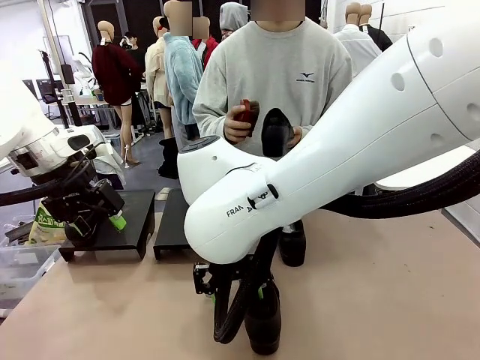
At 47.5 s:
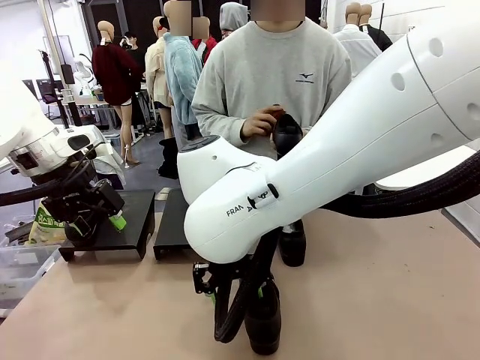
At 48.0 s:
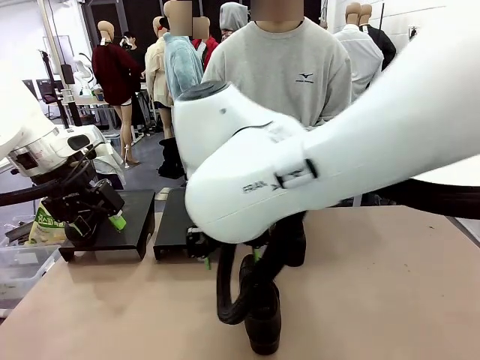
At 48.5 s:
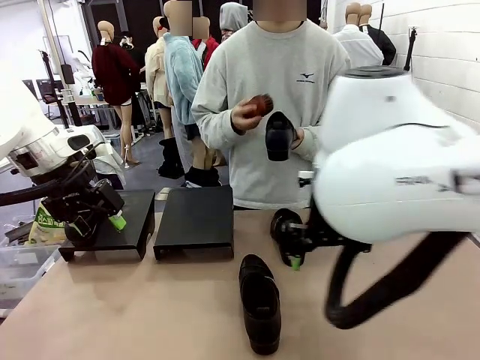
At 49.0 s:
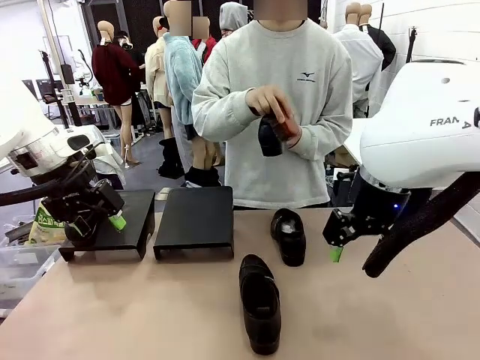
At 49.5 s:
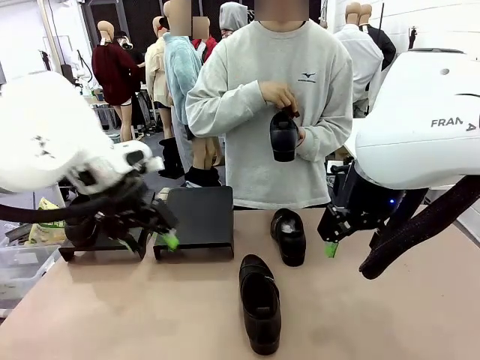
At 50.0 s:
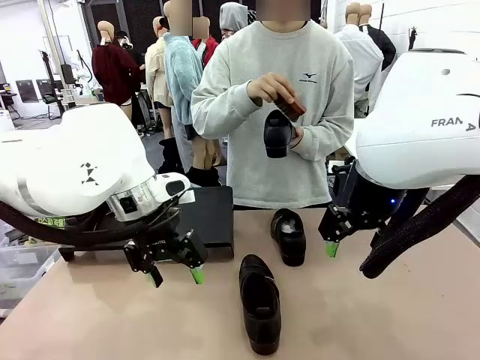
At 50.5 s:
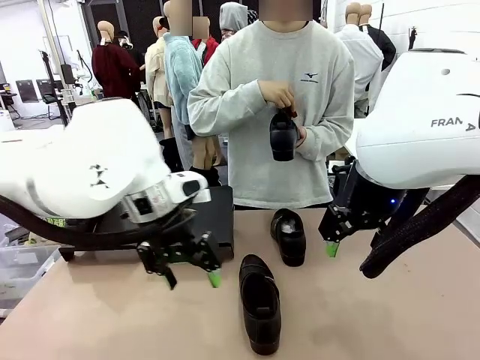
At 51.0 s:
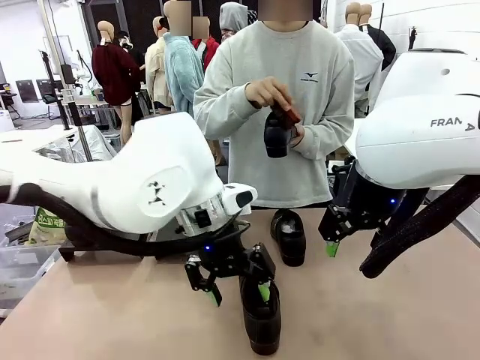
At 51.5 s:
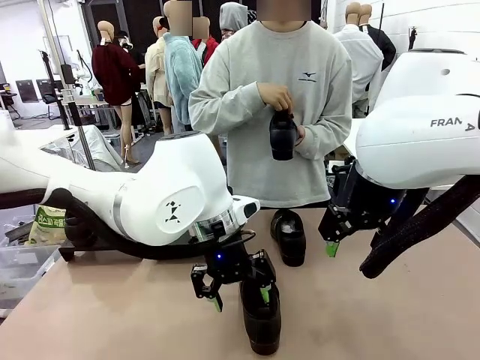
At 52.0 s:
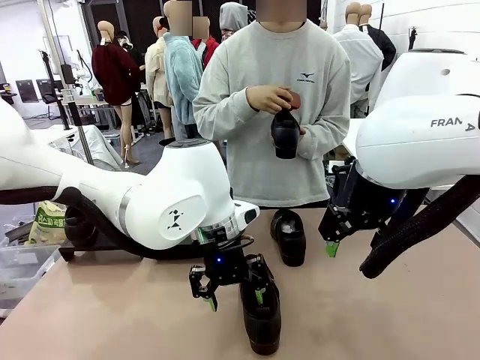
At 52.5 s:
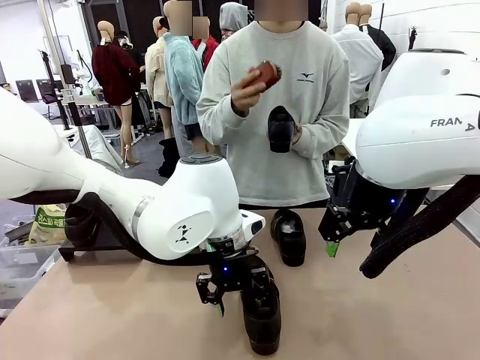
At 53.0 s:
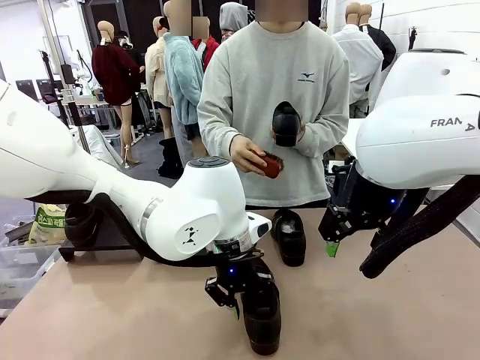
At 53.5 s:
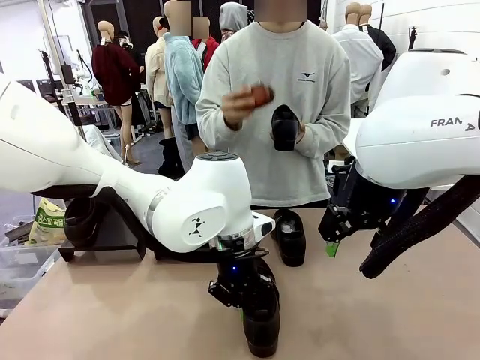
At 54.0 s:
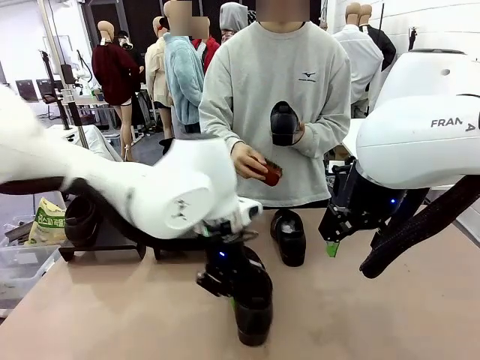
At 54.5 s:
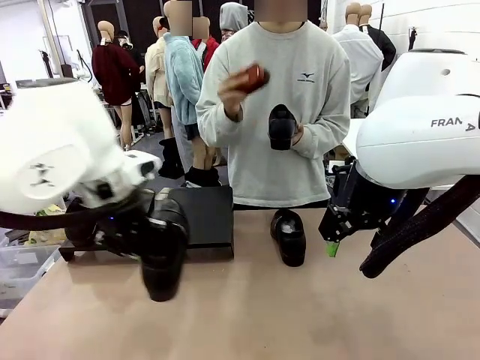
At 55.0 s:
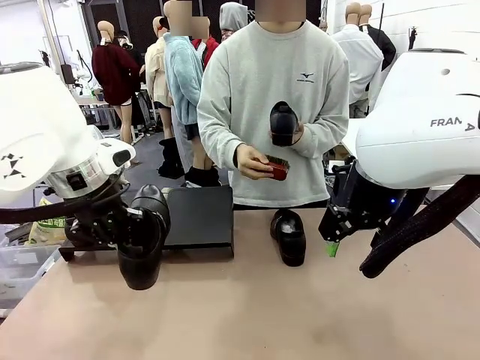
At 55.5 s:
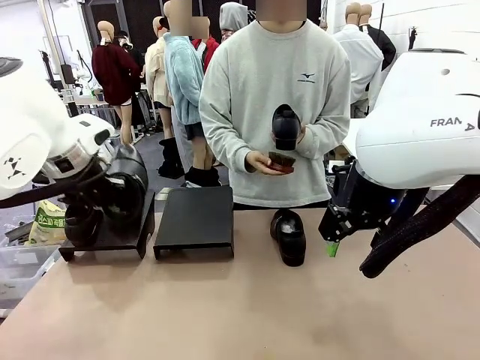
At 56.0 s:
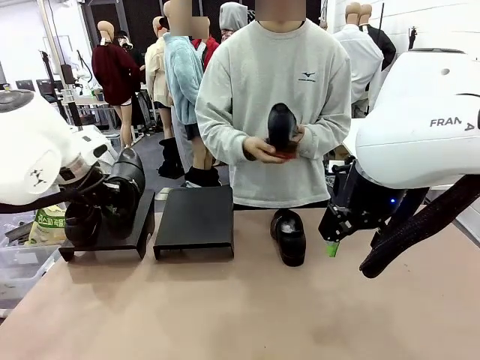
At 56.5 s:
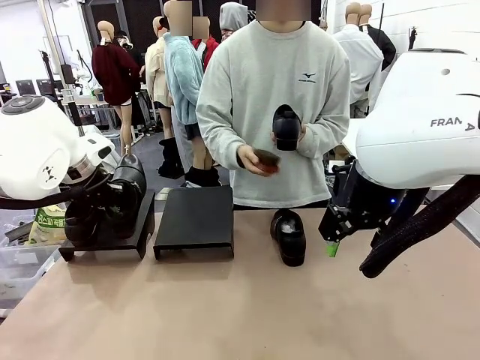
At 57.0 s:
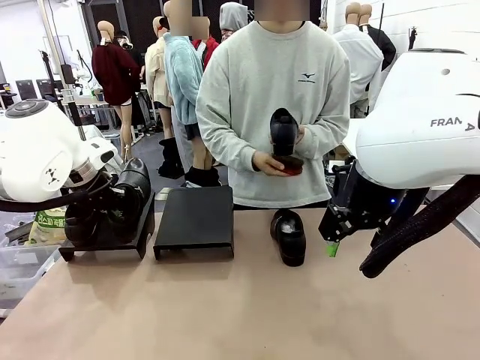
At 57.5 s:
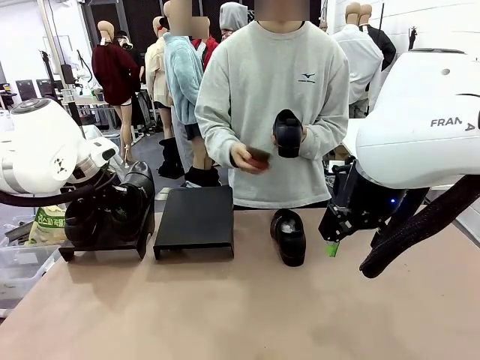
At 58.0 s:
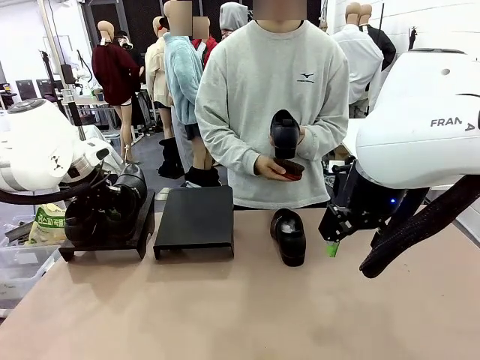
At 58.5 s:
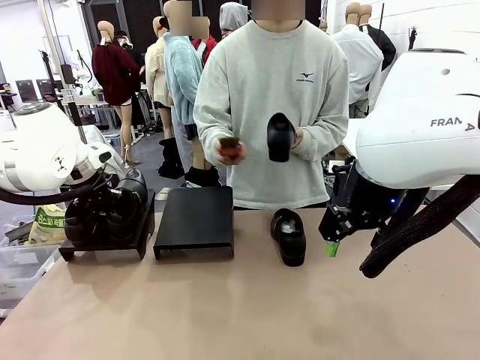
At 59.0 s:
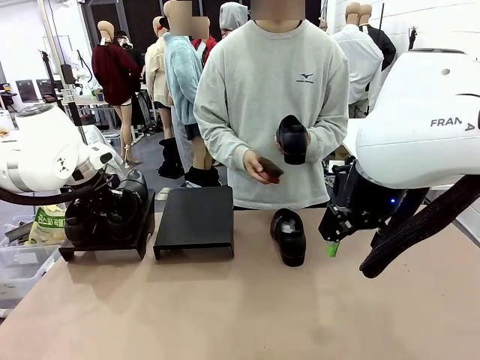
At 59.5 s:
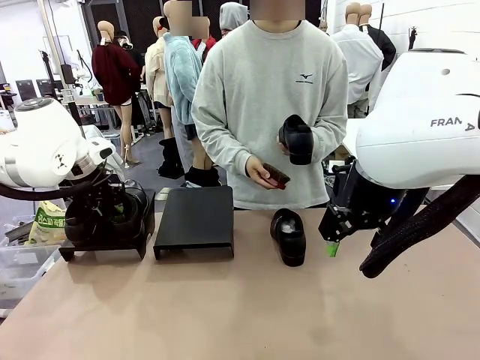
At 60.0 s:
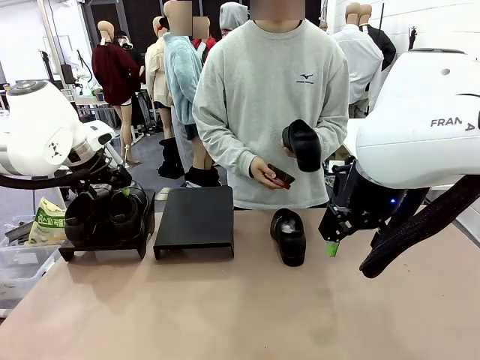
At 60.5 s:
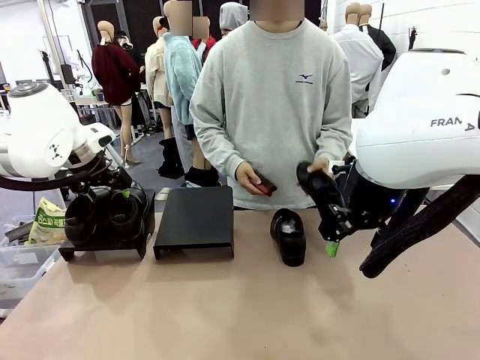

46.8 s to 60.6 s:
Task: Organize the shoes by placing them on the stand.
Robot: Place the Shoe from the middle of the table onto the Shoes Stand.
Person: Clean the Shoe with the Shoe Brush.

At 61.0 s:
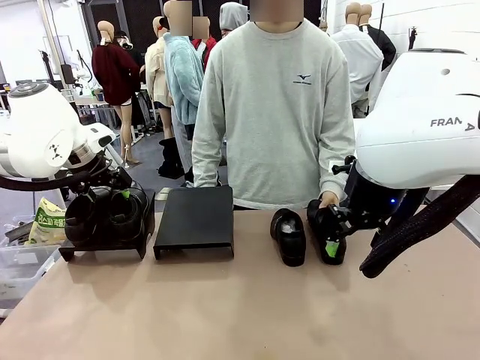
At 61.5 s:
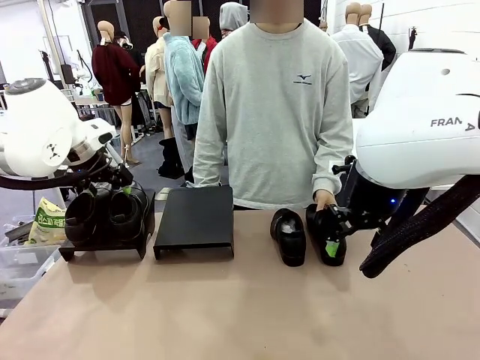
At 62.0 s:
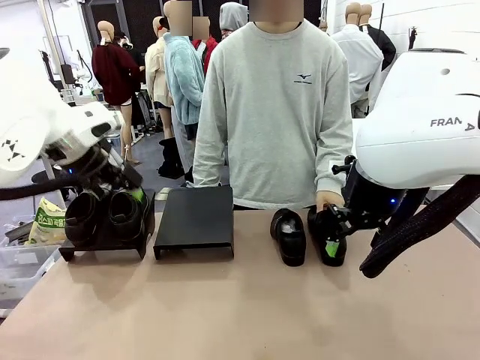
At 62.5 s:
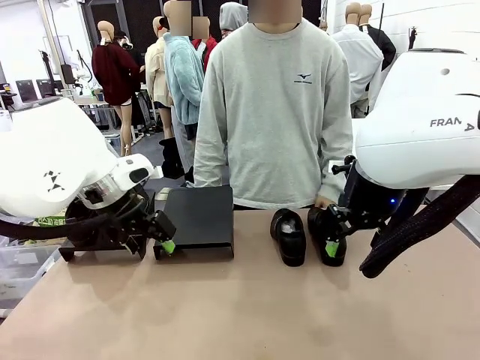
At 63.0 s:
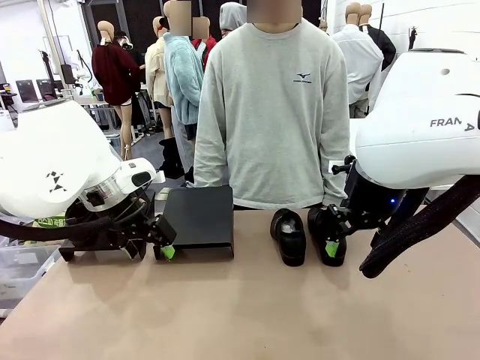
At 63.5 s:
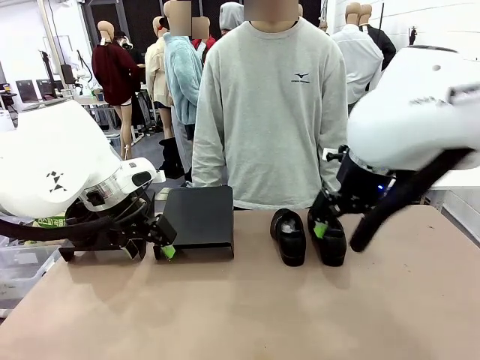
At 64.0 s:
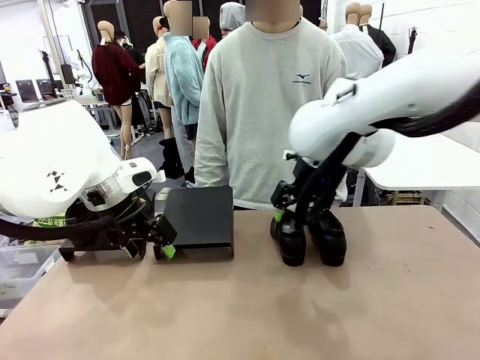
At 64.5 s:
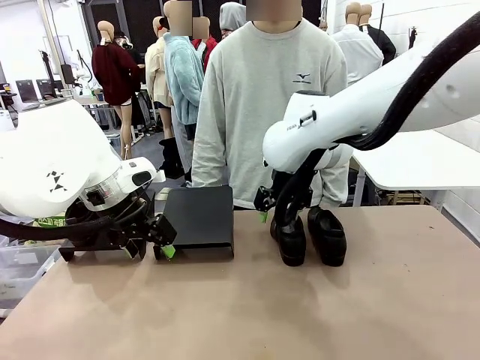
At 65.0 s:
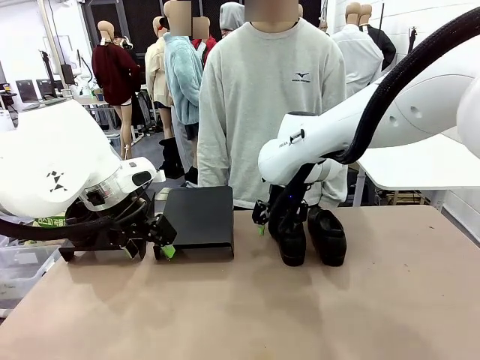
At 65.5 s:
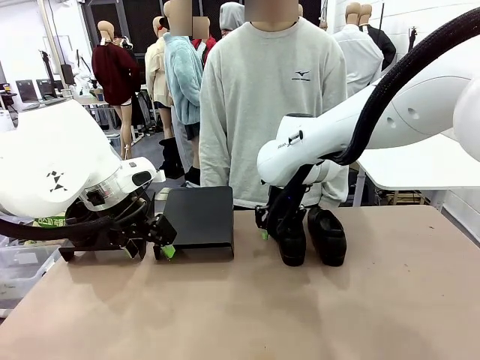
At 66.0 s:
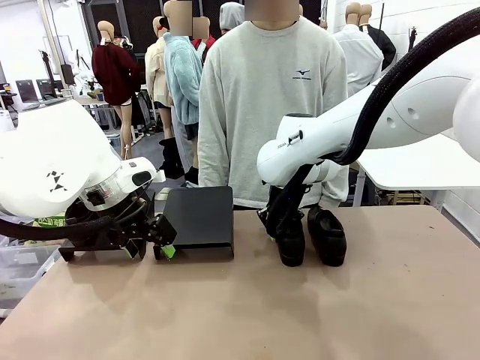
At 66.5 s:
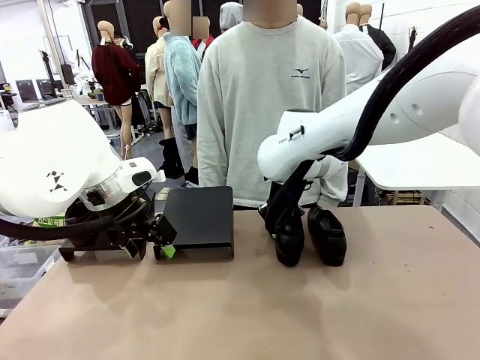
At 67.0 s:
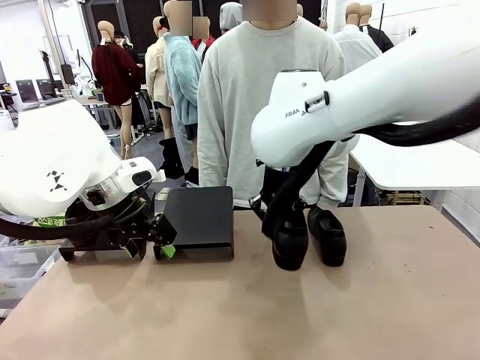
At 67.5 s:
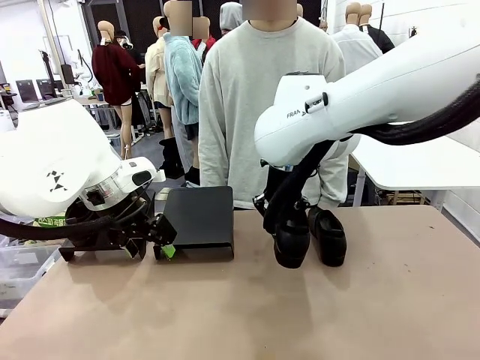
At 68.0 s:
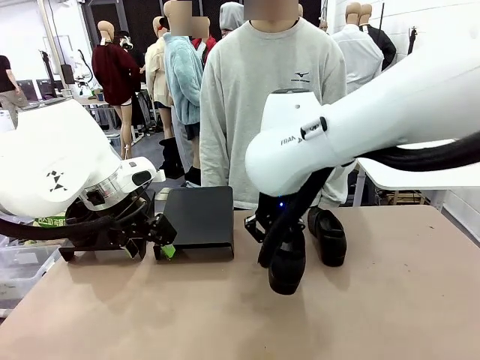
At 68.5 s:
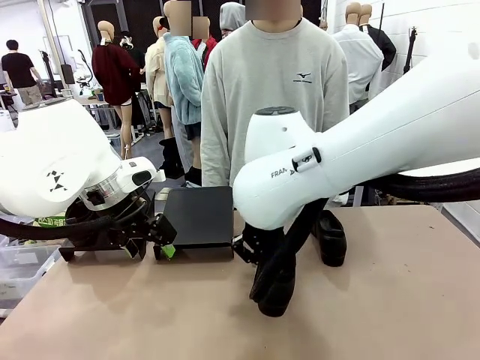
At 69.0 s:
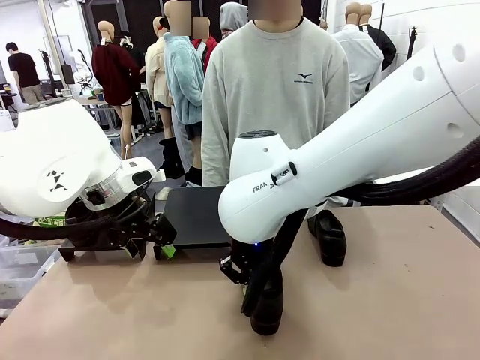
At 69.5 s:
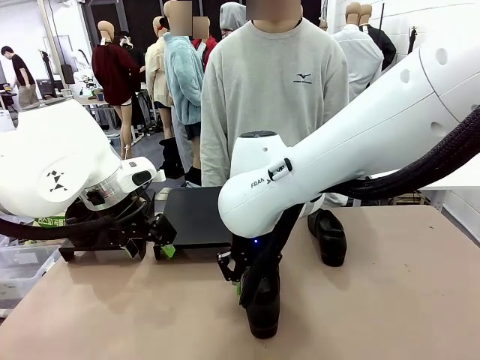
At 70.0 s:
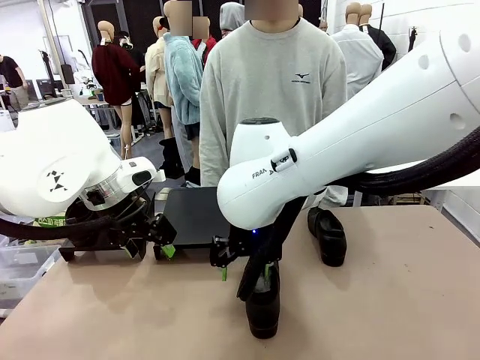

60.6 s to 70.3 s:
Robot: Pick up one Shoe and place it in the middle of the table.

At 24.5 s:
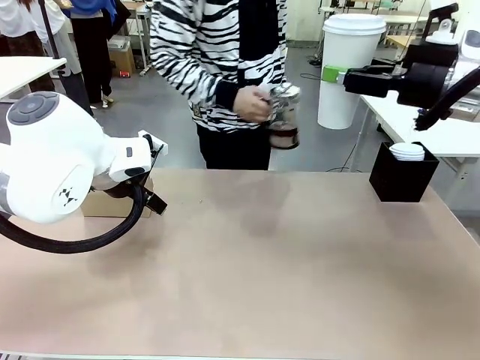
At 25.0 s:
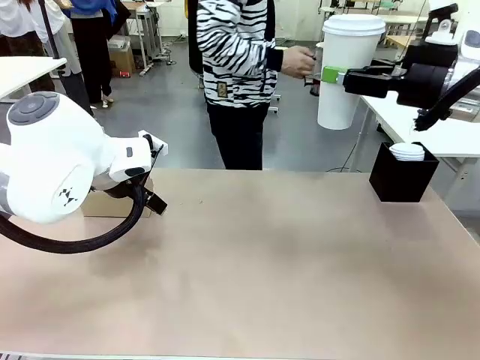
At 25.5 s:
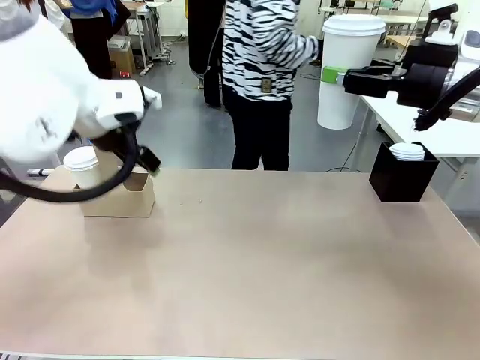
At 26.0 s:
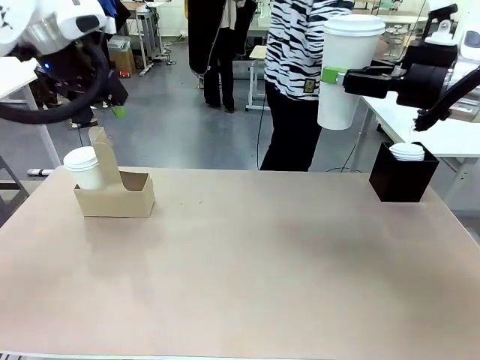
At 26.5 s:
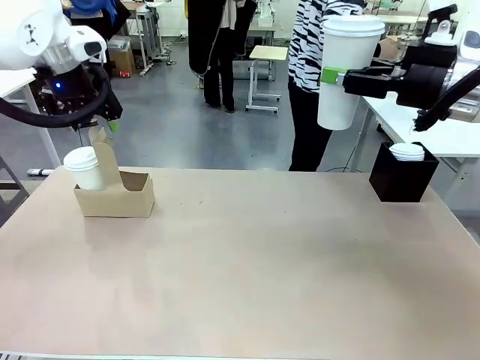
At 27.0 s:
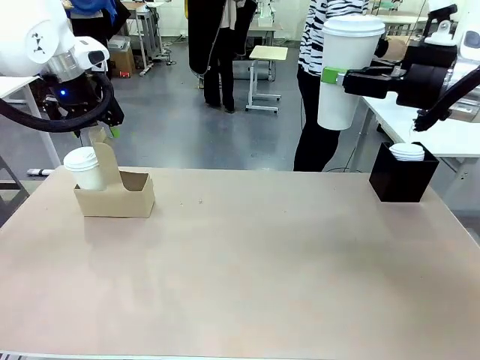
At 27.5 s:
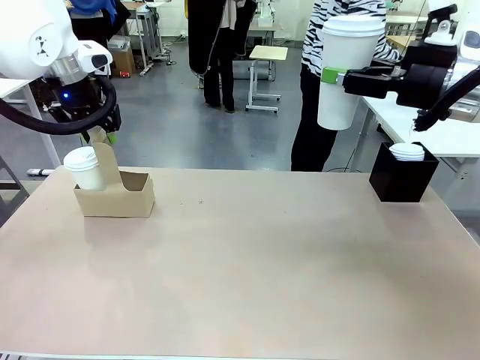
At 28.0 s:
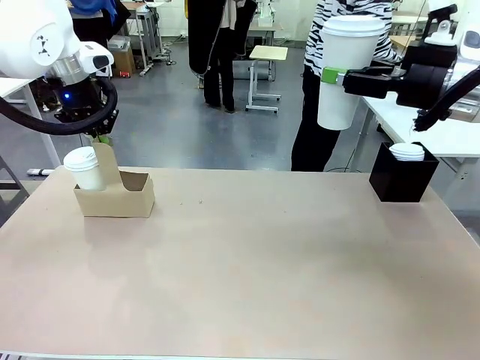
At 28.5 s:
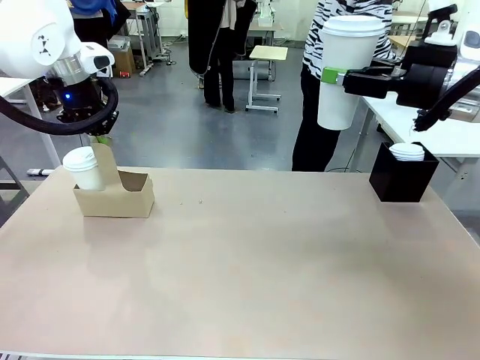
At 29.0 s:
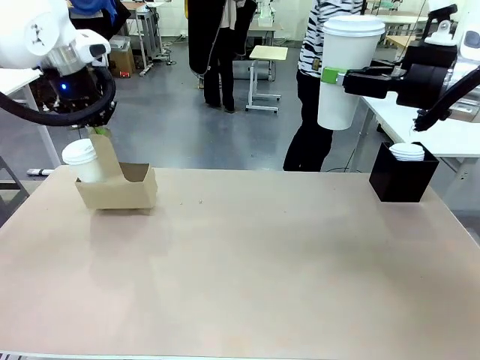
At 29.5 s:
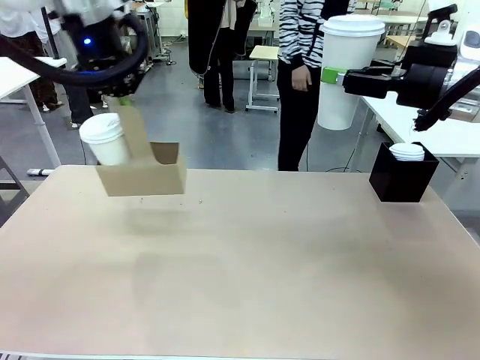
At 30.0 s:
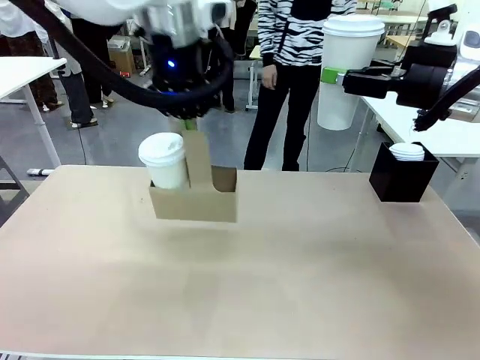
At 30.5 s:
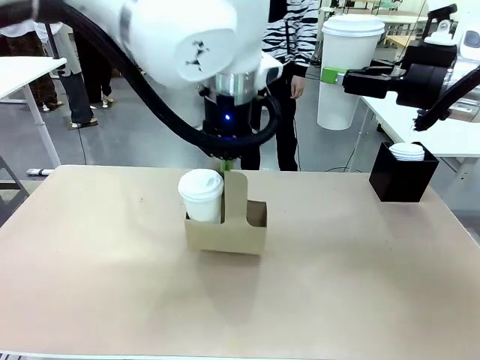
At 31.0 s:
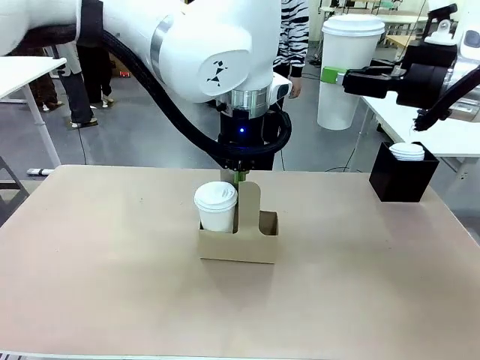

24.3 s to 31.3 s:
Task: Pour a drink into a cup and package it in a carrier.
Robot: Position the Cup Carrier in the center of the table.
Person: Pick up the Filter Brewing and place on the middle of Human table, and return to the Robot table.
